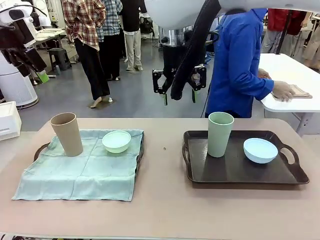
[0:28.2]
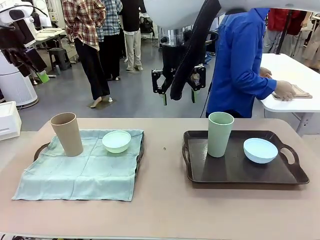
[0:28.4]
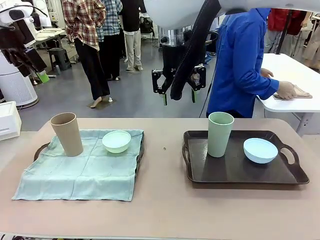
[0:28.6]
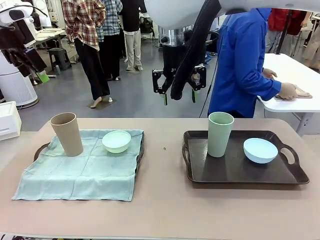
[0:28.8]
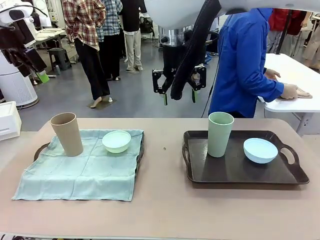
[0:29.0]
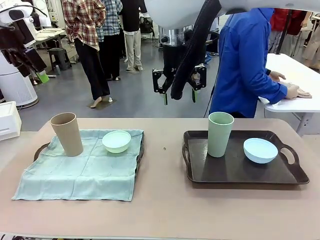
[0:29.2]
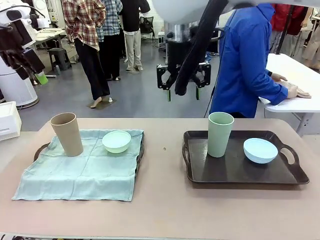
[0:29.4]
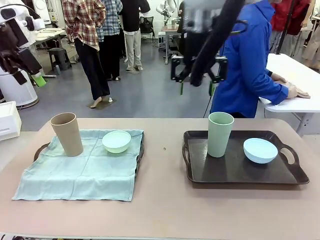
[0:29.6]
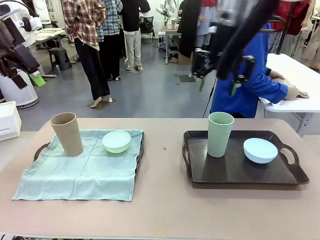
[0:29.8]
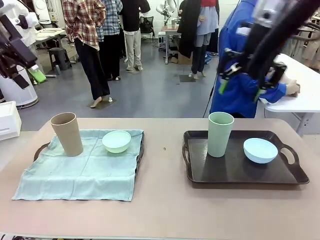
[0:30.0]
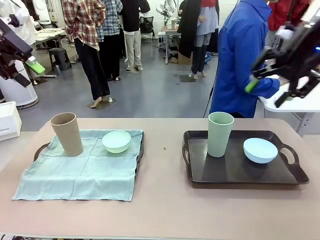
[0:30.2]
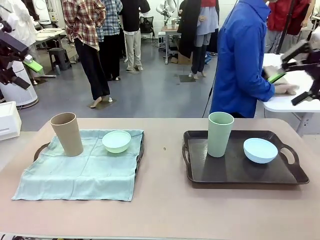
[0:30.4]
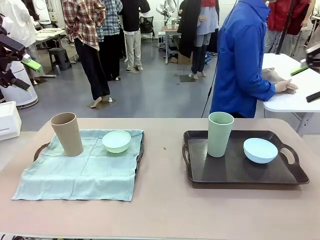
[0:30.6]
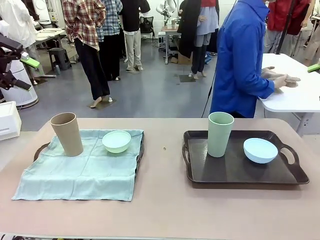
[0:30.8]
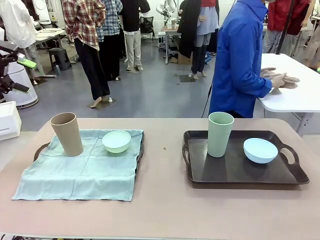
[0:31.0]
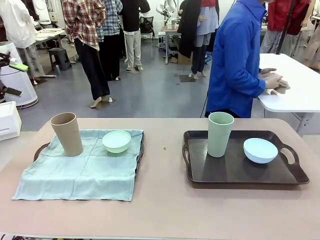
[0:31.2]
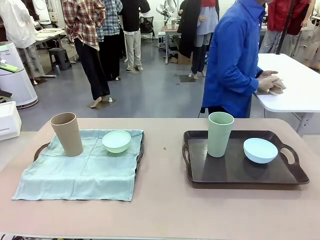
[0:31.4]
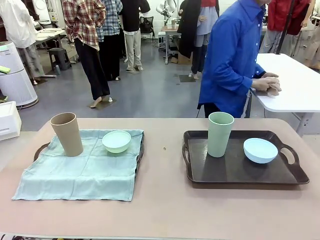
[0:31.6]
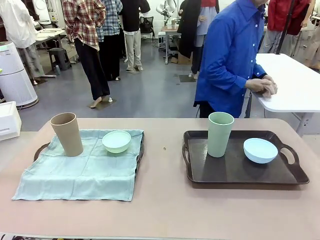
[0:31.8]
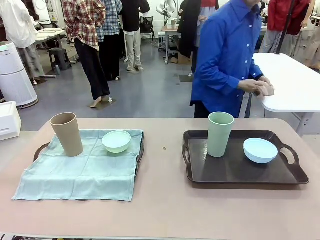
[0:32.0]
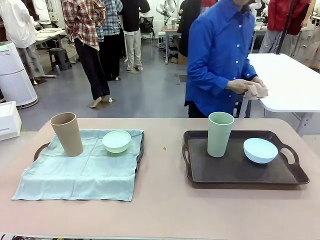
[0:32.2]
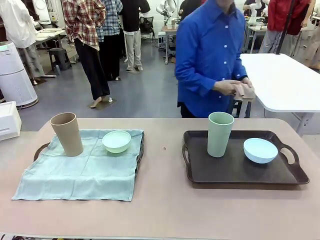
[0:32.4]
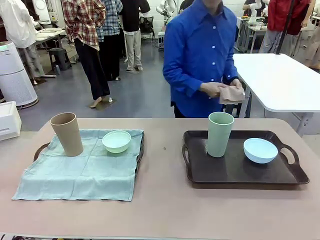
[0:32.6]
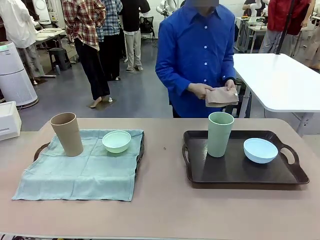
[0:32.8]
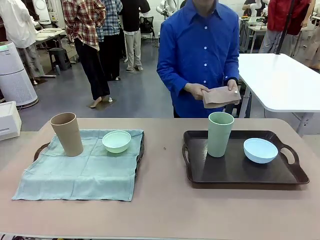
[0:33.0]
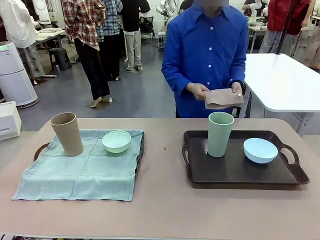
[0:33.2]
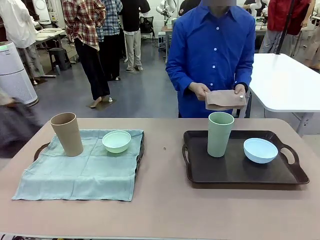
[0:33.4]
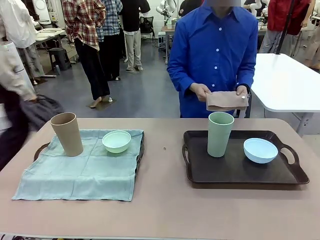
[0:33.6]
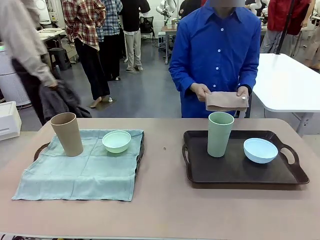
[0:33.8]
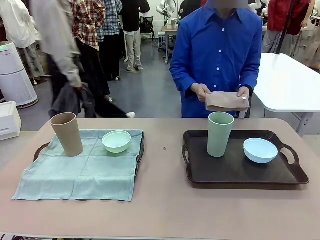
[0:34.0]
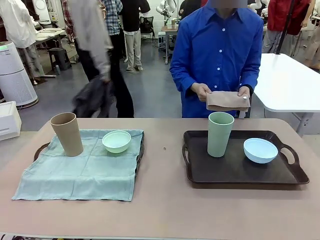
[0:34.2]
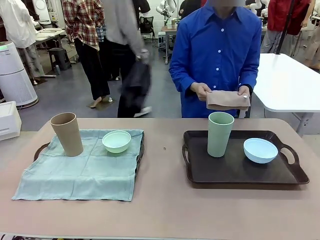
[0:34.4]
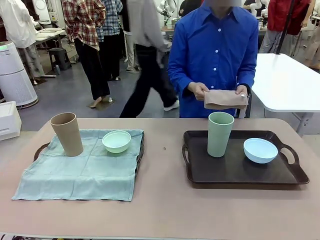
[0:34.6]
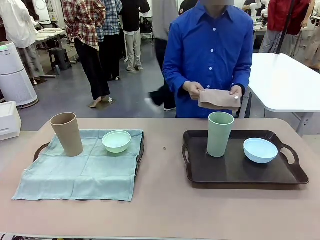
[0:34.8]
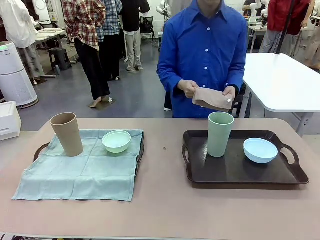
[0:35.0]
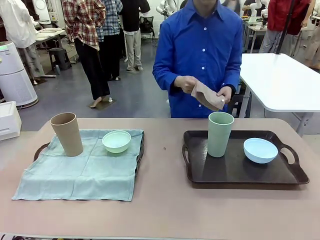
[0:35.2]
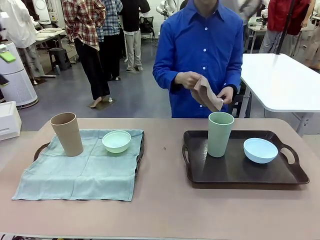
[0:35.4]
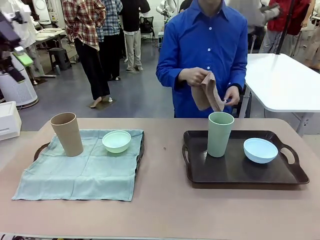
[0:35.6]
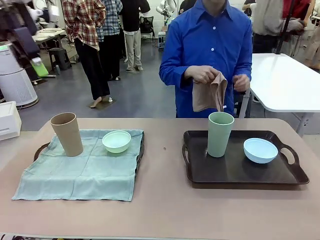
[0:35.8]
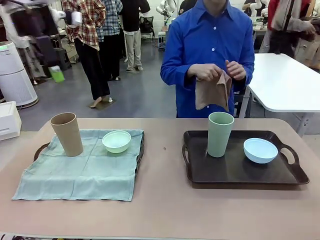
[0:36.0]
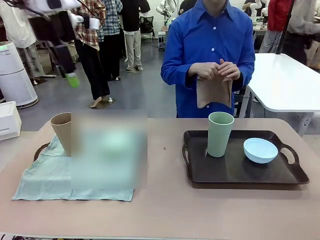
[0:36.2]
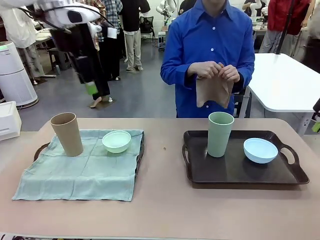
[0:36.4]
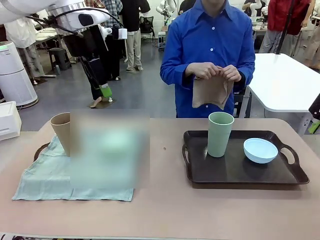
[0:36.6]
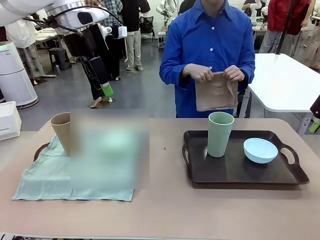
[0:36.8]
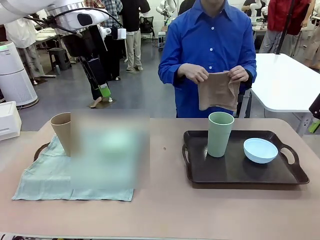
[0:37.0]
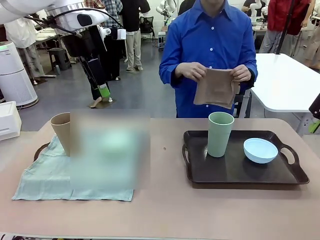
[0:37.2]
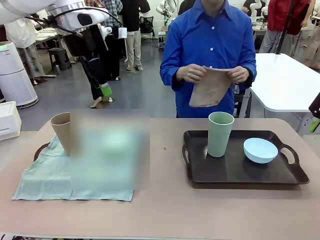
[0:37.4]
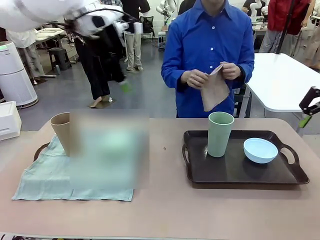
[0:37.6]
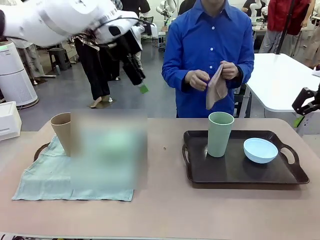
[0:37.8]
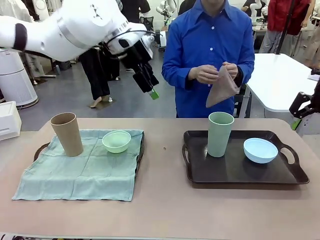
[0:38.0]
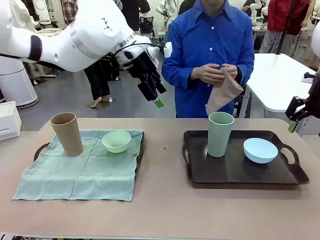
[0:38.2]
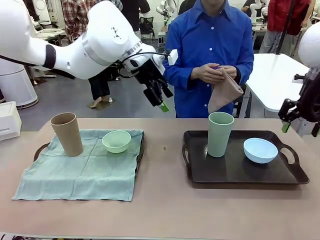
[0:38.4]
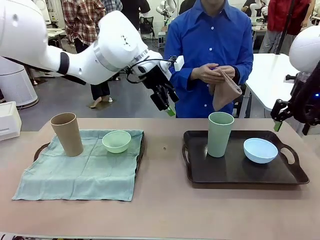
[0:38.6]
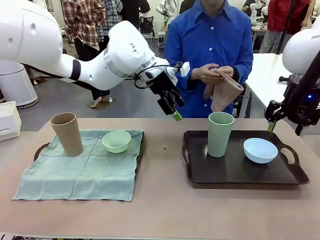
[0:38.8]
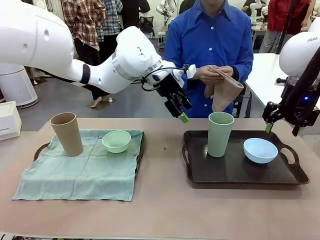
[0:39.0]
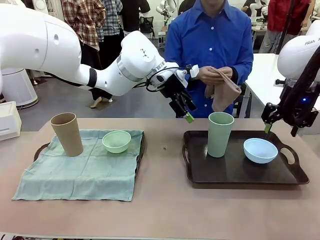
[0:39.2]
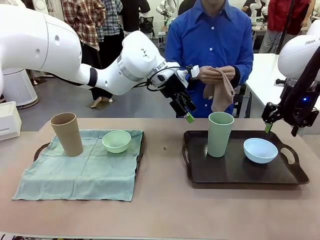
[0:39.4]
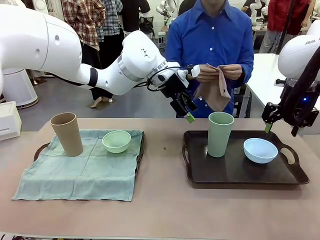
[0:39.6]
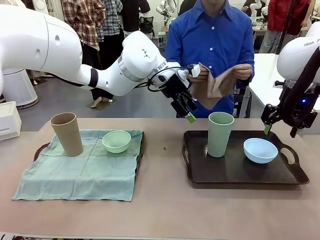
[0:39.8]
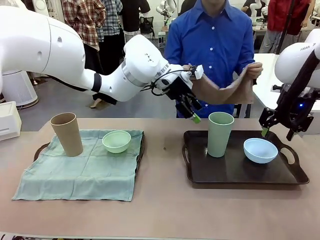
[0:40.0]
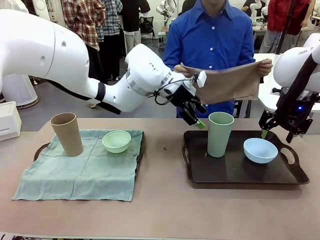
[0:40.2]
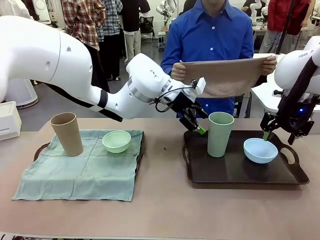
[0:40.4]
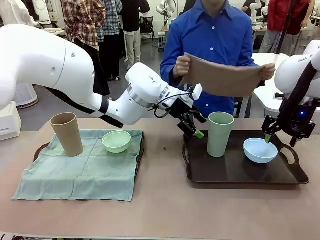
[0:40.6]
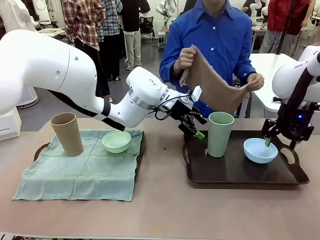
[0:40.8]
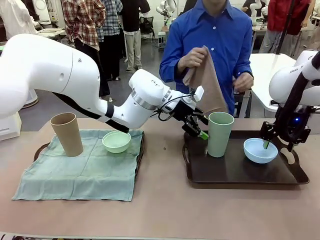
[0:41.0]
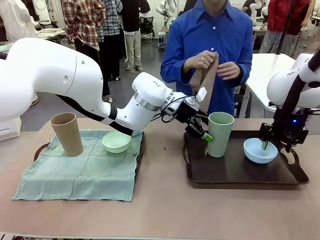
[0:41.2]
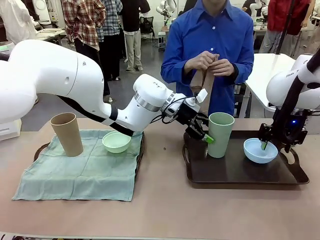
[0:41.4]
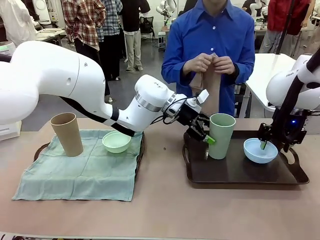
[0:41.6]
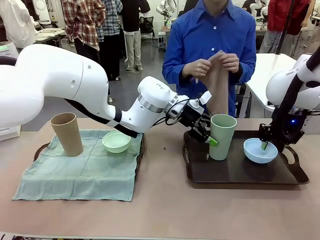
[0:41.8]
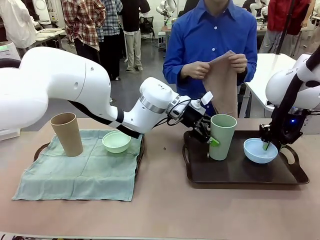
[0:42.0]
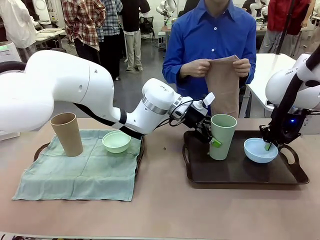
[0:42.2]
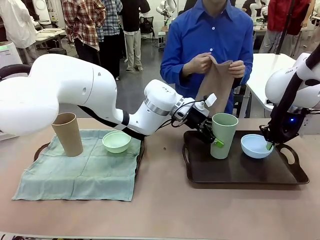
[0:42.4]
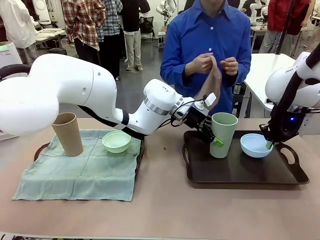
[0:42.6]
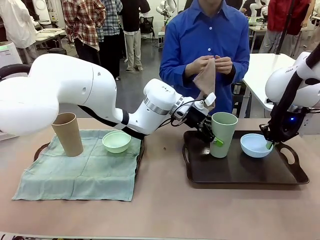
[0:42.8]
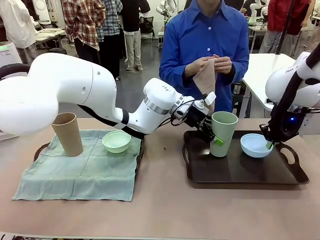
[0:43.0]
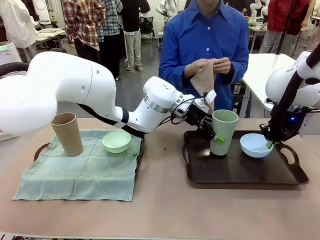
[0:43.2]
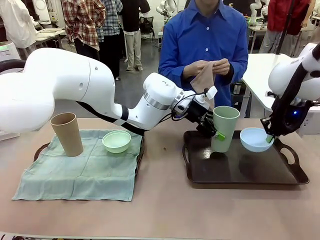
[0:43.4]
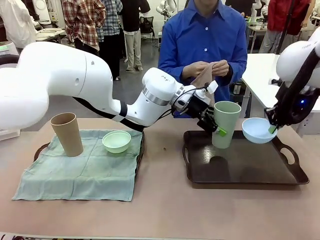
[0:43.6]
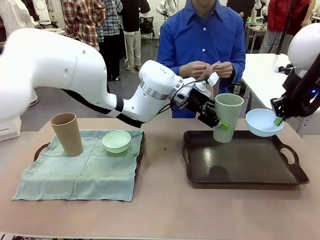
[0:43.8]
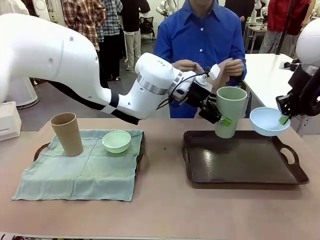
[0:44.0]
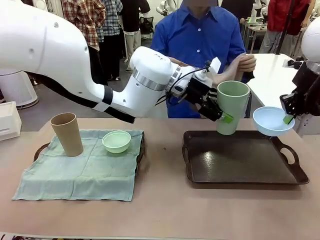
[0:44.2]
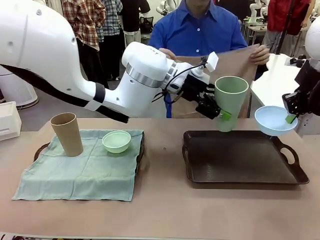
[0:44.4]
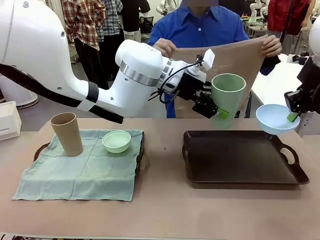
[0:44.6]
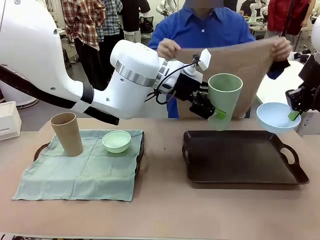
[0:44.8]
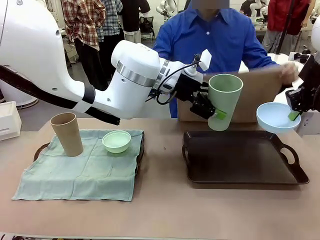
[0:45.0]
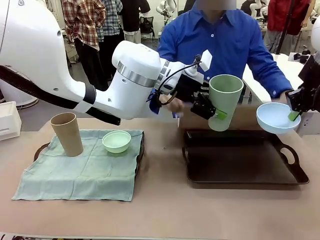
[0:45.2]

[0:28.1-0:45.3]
Robot: Pick up the Picnic Bowl and Reusable plastic cup from the Handle tray in front of the human's position and hold them in the air.
Person: The human returns to the human table to pick up another napkin and walks to the robot table to stand in front of the tray without a napkin.

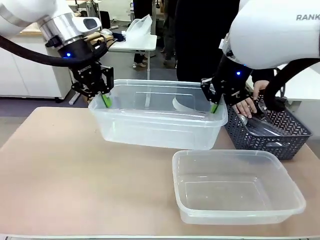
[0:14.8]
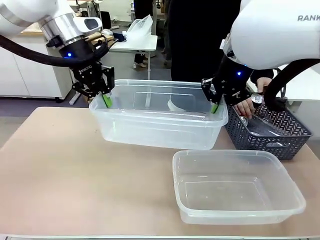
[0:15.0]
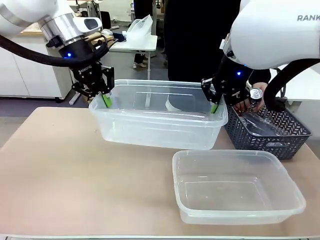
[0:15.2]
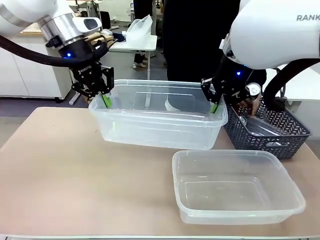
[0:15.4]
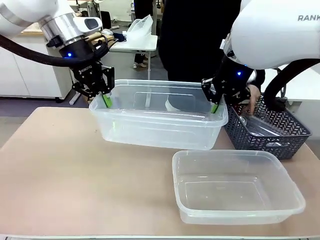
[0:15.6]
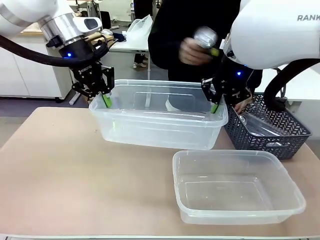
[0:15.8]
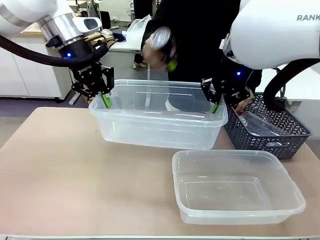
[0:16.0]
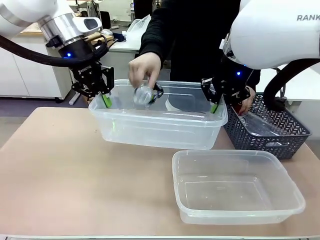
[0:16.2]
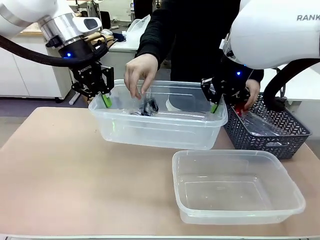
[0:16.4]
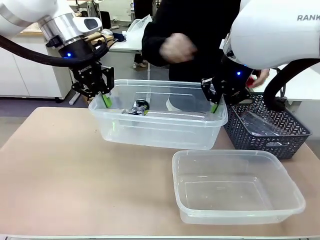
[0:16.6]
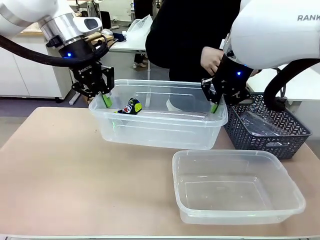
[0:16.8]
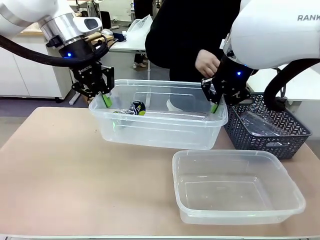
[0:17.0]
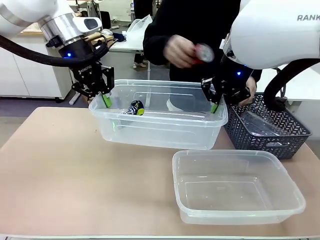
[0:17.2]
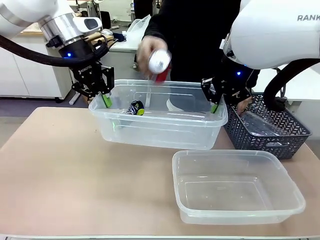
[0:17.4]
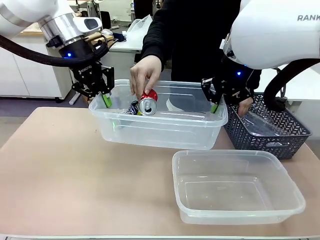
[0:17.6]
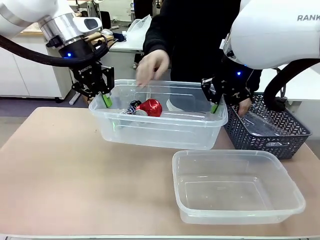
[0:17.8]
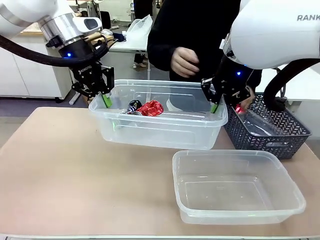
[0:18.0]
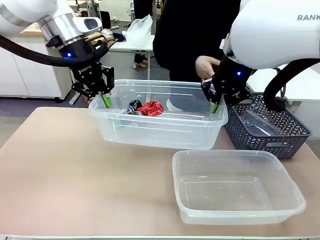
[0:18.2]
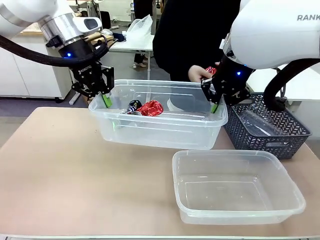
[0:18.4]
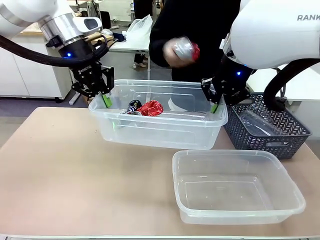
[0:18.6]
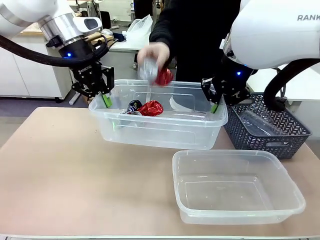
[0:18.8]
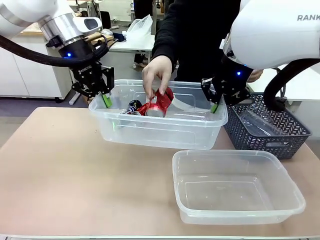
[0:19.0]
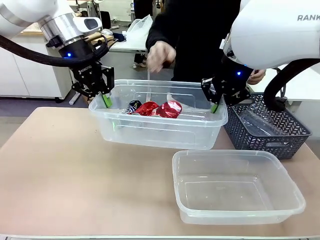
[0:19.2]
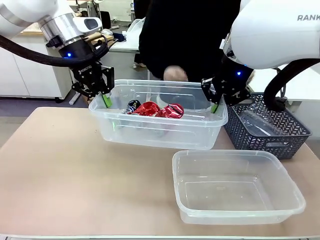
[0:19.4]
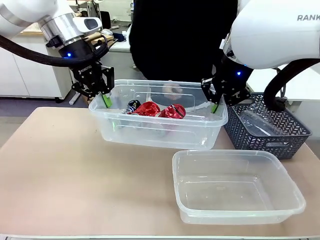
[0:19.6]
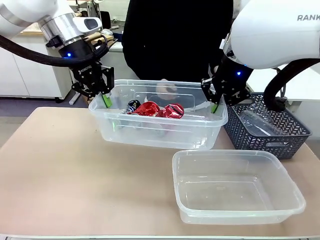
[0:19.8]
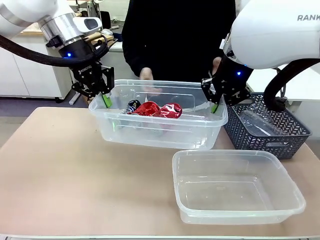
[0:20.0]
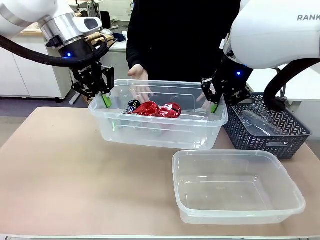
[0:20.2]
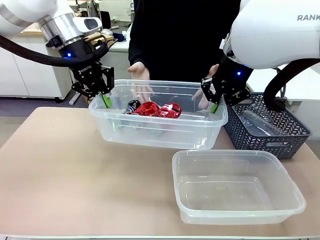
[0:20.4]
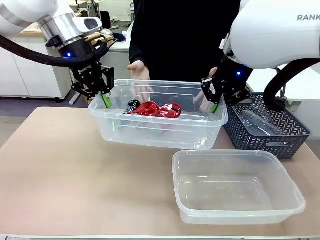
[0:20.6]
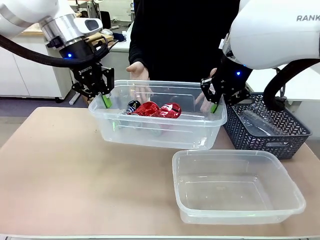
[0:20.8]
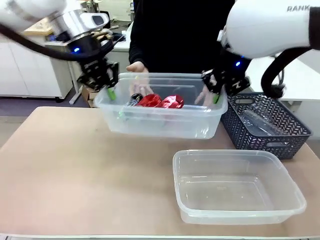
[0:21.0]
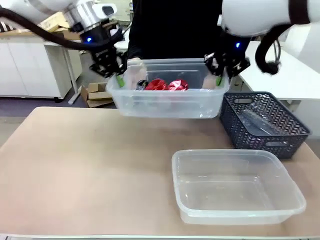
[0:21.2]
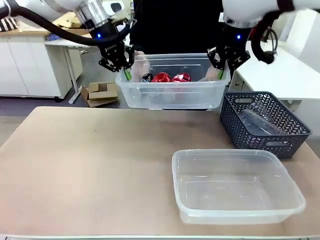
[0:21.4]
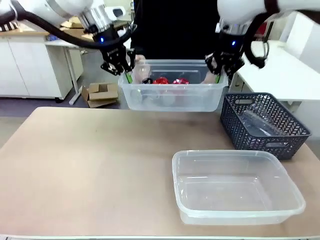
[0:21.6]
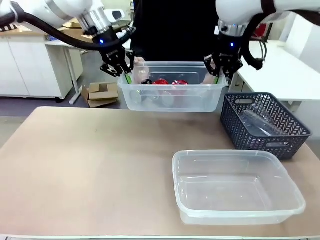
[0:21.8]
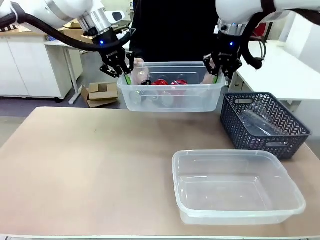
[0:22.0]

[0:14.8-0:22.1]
Robot: Offer the picked Organizing box to the human.
